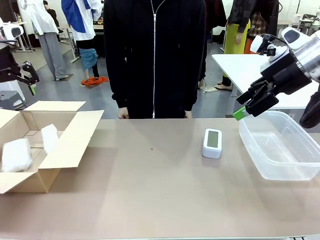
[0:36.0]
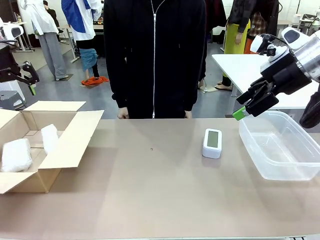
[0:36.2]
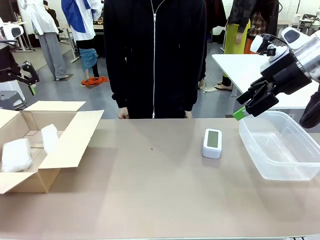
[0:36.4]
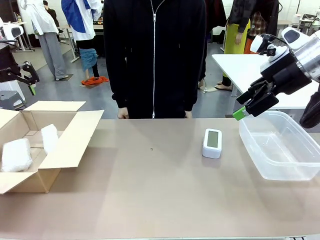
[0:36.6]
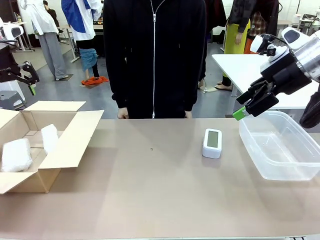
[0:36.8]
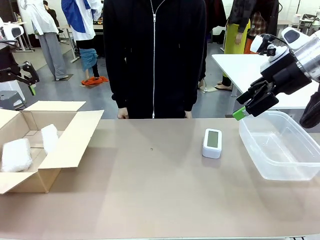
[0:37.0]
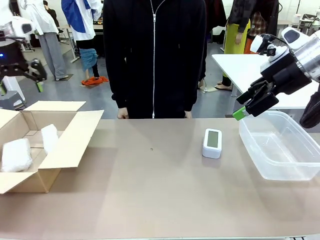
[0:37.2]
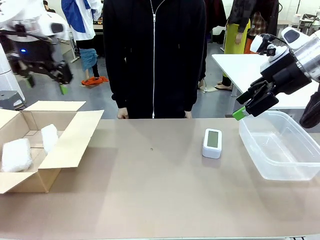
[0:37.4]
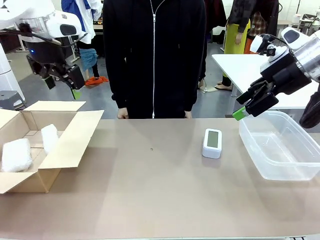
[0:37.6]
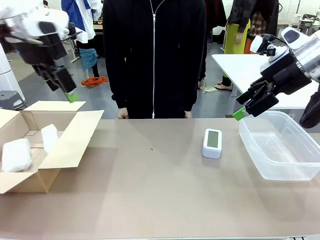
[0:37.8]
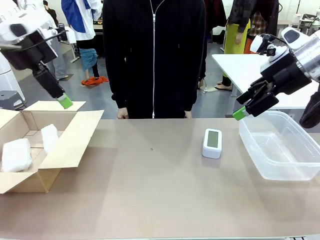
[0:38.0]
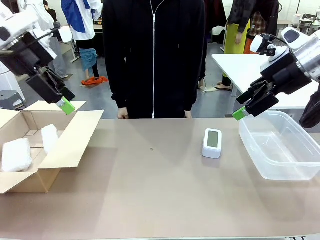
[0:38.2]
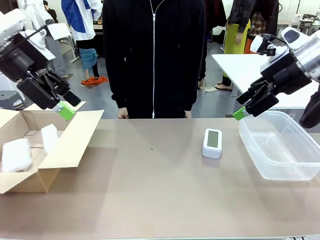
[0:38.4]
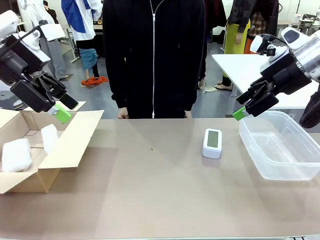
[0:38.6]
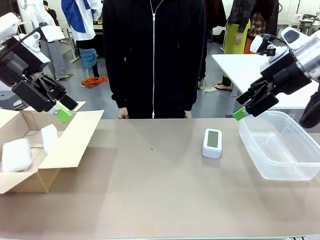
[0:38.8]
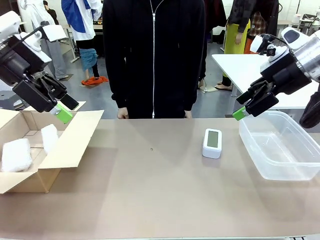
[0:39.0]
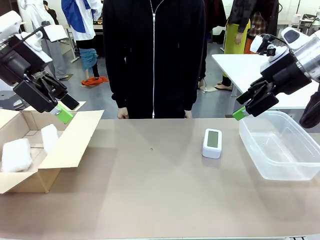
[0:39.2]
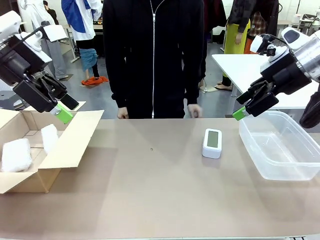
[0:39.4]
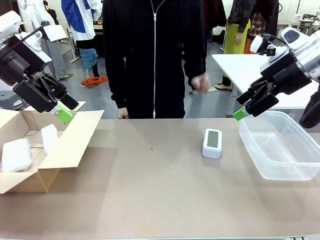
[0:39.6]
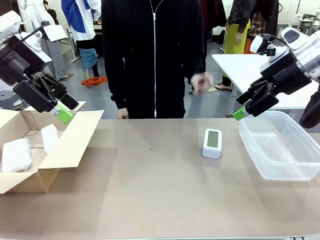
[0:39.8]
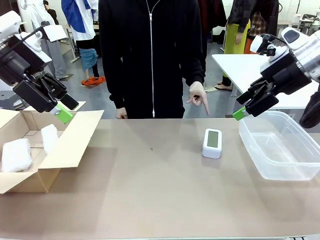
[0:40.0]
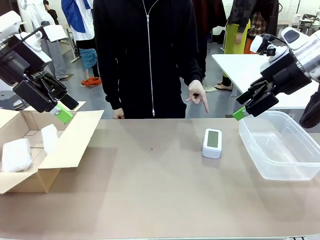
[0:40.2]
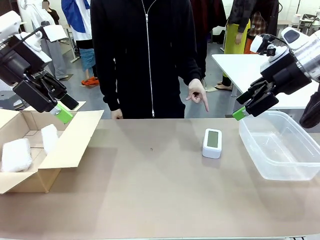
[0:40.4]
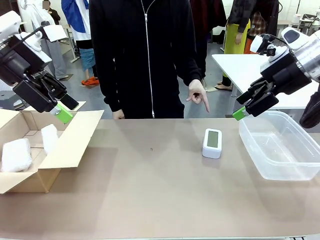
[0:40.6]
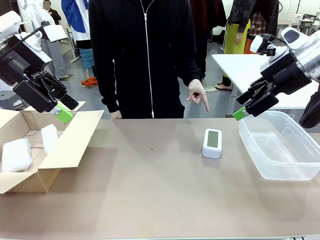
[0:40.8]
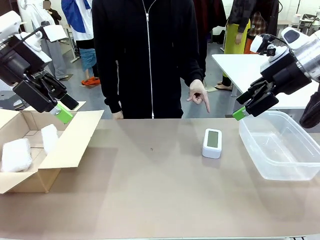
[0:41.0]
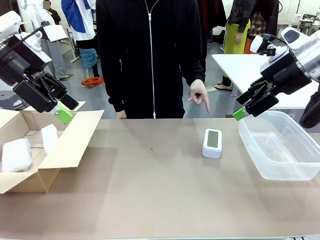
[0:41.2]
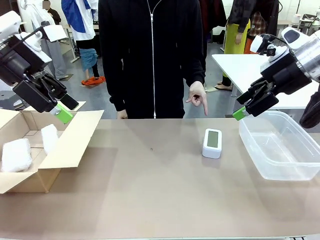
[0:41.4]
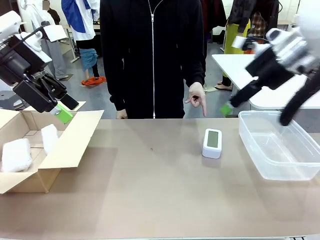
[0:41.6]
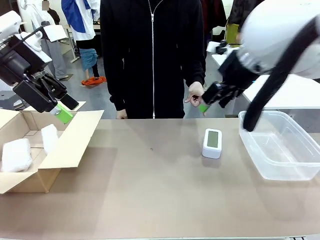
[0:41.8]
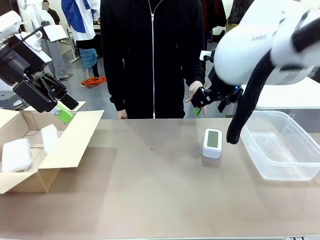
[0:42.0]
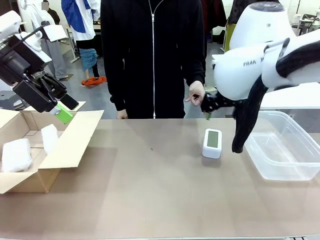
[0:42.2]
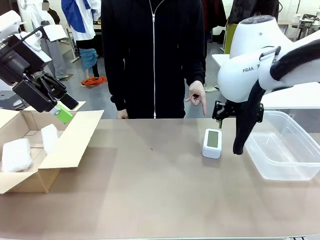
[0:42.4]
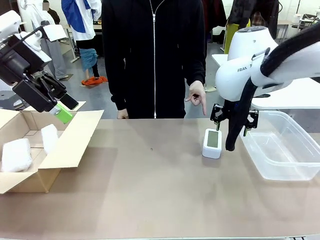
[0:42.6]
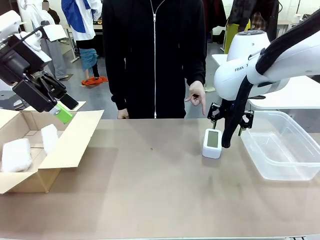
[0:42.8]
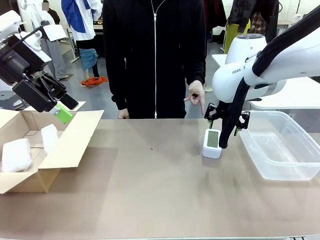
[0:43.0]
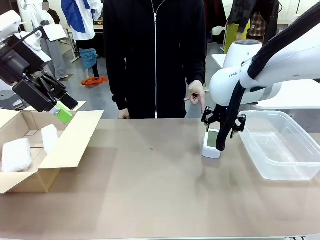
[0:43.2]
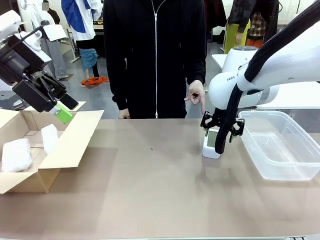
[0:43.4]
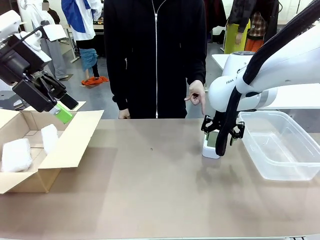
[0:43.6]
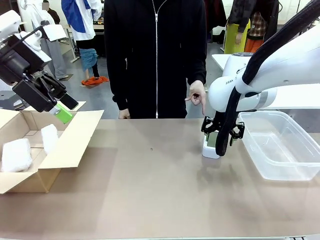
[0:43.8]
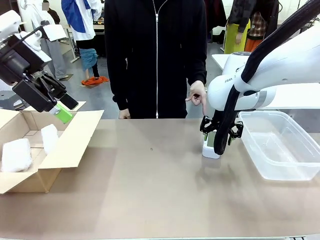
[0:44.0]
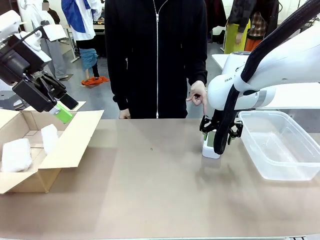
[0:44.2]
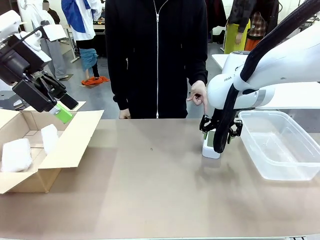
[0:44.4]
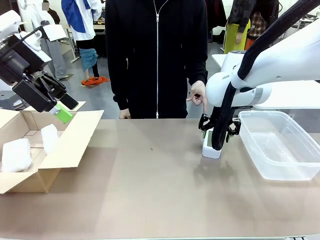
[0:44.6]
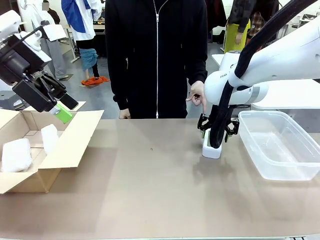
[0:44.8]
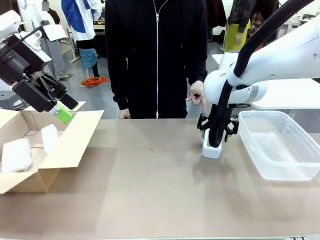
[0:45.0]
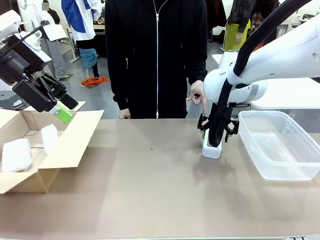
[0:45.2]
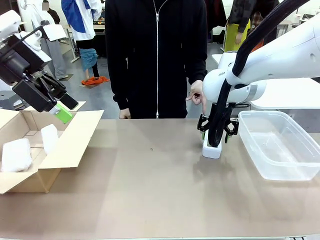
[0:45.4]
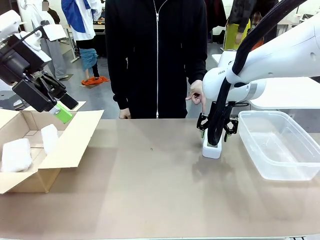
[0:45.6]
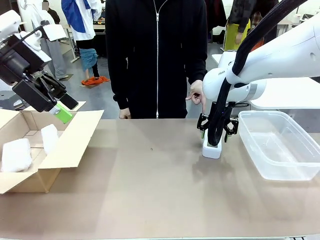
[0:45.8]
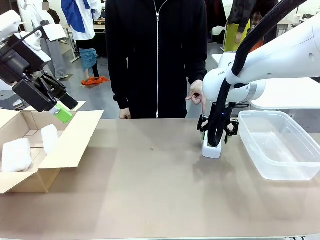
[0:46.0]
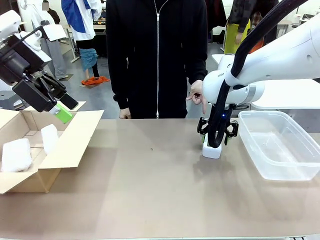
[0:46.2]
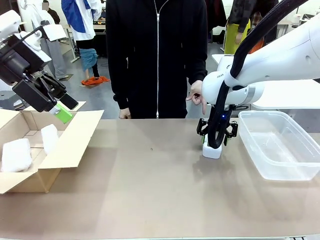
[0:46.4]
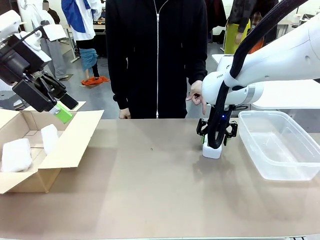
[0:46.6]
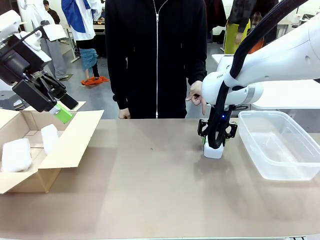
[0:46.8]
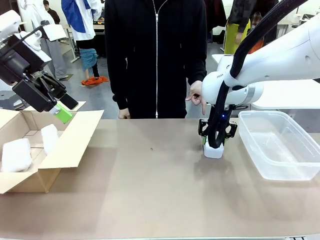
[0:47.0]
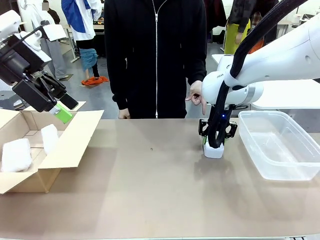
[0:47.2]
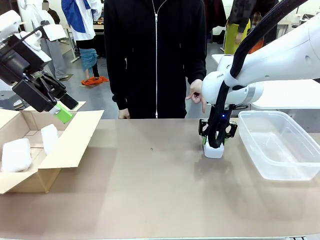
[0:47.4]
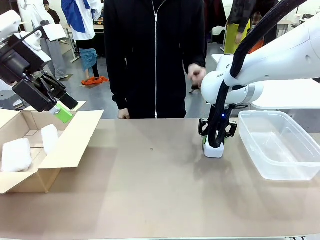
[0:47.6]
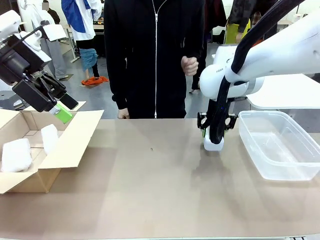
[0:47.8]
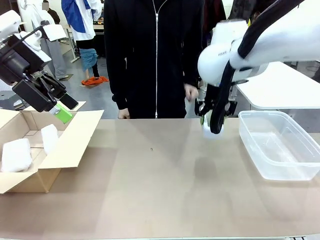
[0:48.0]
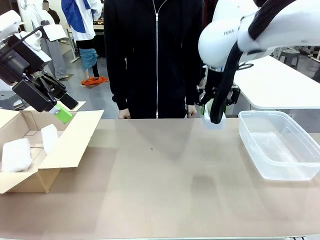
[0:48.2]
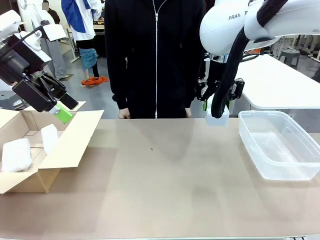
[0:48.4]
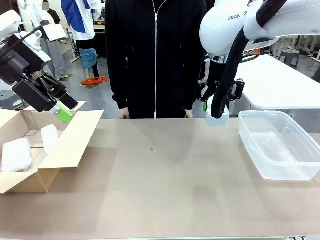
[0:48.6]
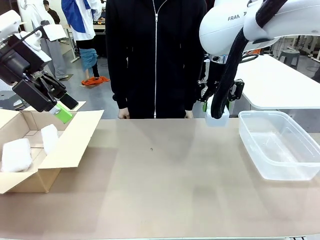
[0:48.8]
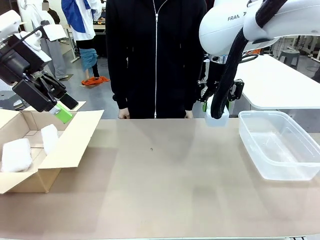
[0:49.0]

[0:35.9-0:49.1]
Task: Separate and place wrapped and unwrapped clocks.
Robot: Pick up the Digital clock indicated by the person.

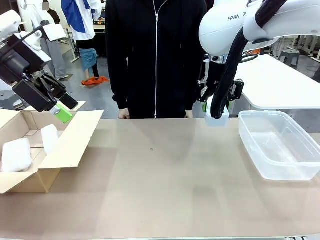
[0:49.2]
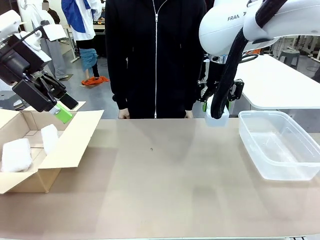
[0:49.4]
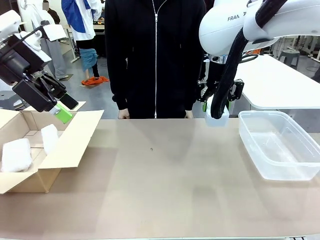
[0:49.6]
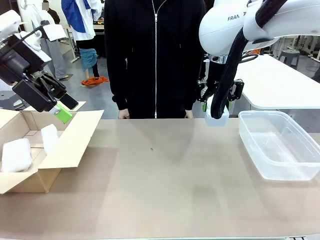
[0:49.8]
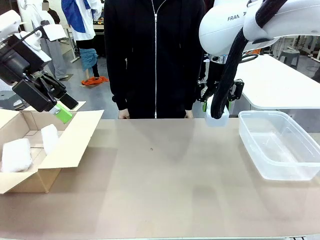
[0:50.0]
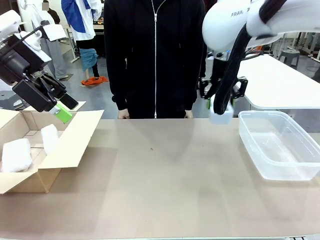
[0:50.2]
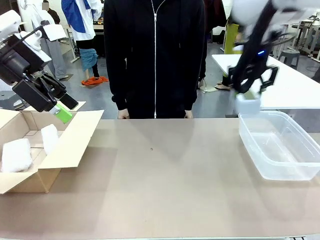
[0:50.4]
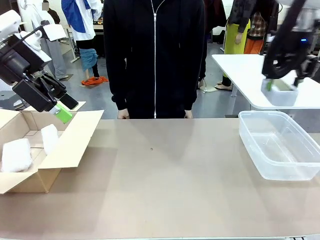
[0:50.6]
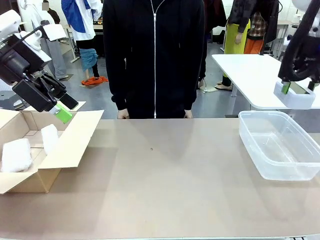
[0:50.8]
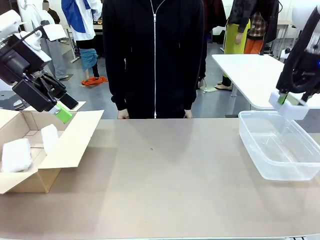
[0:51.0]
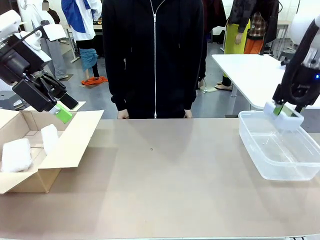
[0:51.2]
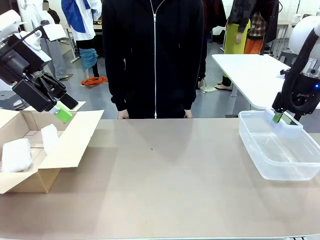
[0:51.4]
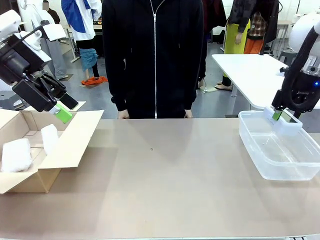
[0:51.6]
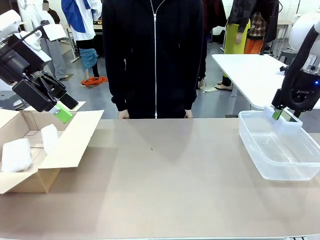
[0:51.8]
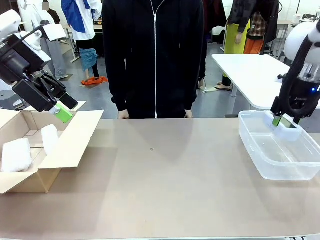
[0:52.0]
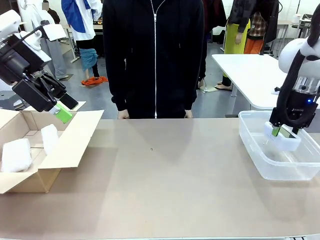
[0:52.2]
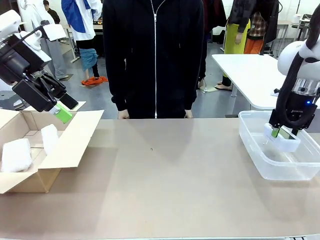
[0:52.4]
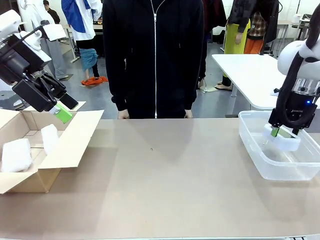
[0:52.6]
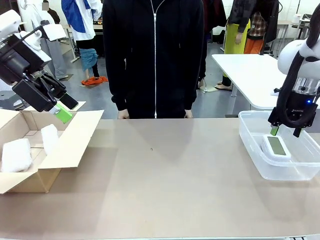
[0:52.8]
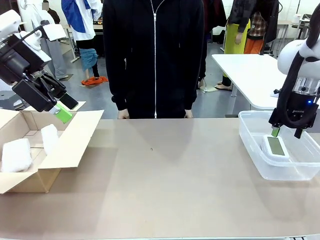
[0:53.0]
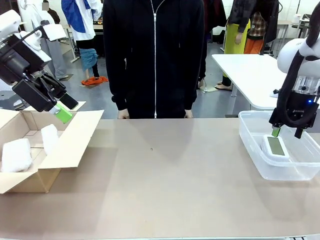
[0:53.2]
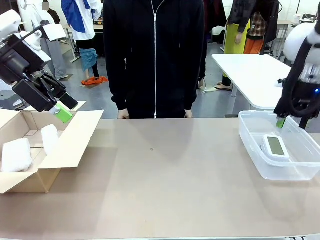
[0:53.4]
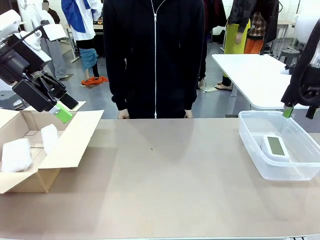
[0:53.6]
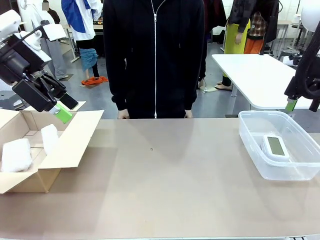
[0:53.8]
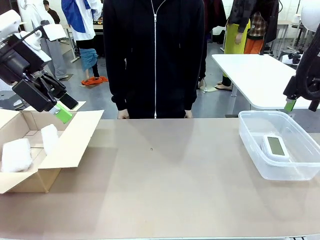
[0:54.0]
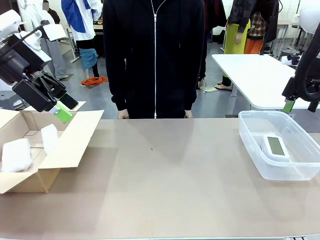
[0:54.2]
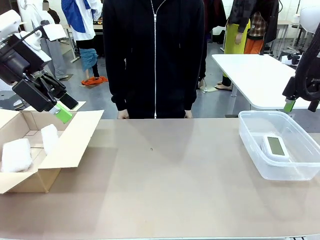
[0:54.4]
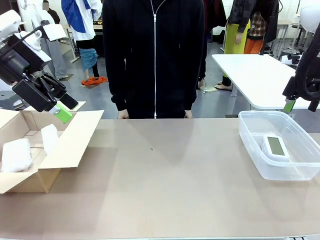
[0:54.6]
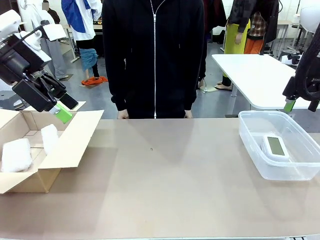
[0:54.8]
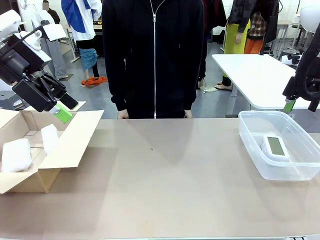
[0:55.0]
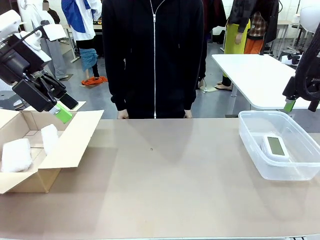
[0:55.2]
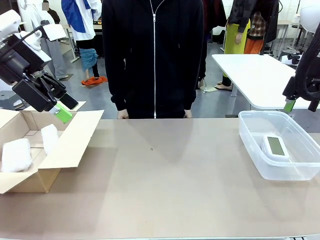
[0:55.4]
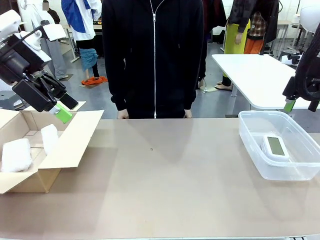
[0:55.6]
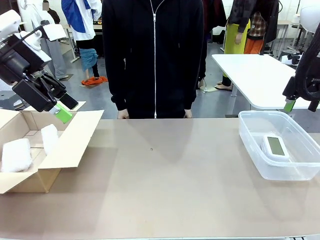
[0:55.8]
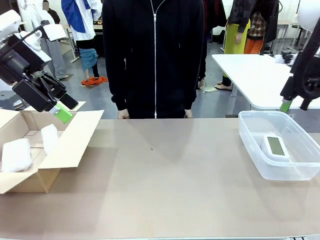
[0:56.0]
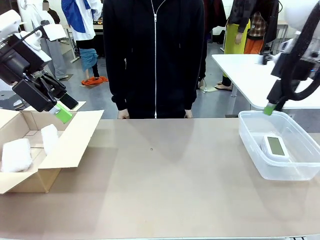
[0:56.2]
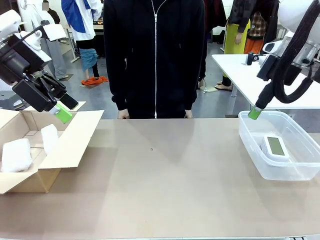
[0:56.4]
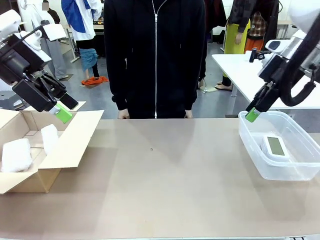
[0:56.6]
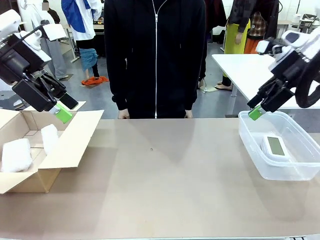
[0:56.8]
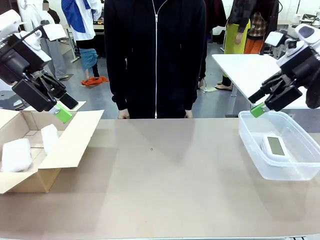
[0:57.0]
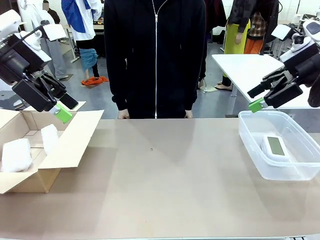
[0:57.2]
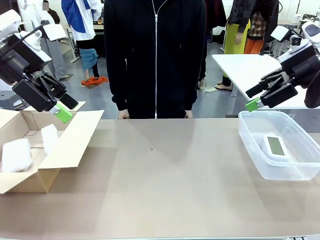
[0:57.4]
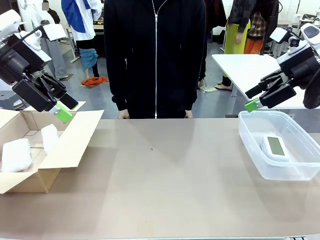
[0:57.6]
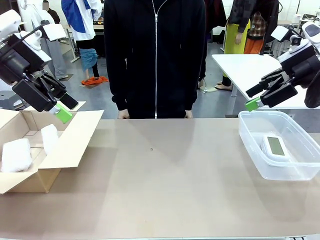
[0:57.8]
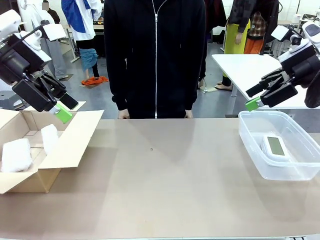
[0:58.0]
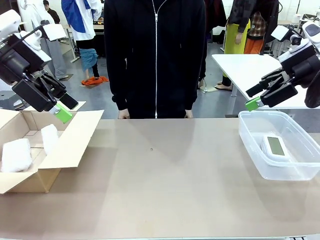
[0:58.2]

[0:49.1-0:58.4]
Robot: If the picked Digital clock is wrapped, place it in the Package Box ; if not, place it in the Organizing box.
